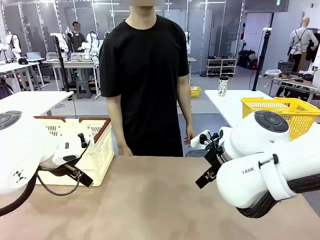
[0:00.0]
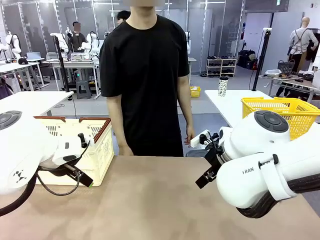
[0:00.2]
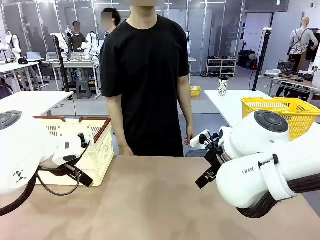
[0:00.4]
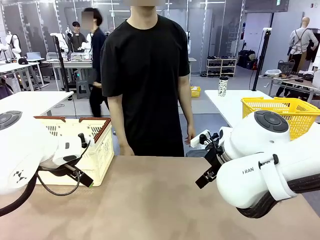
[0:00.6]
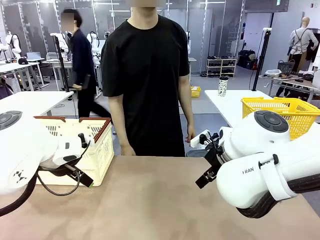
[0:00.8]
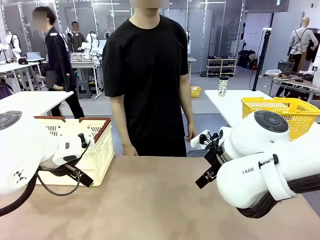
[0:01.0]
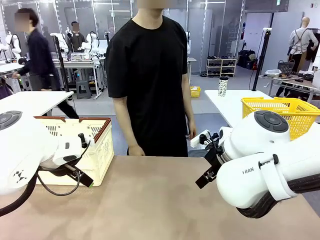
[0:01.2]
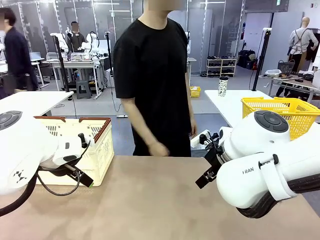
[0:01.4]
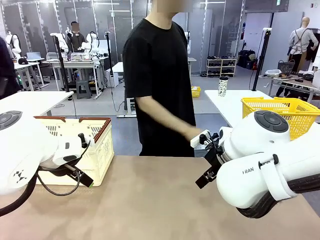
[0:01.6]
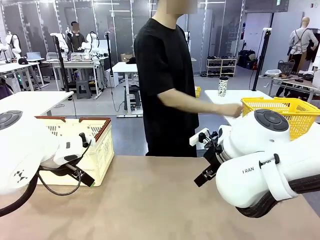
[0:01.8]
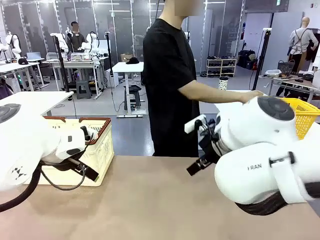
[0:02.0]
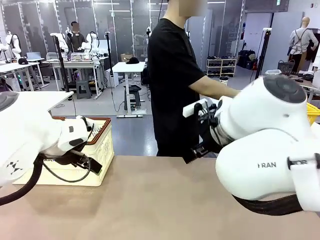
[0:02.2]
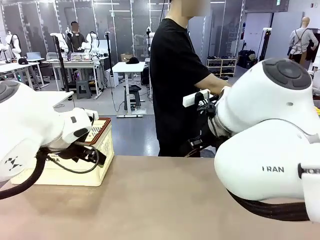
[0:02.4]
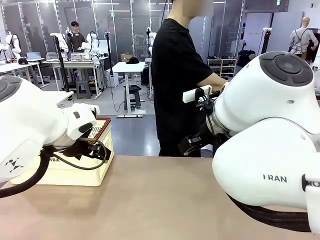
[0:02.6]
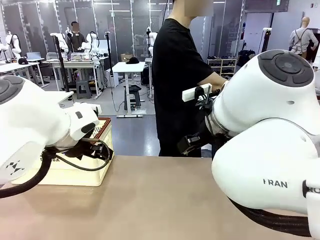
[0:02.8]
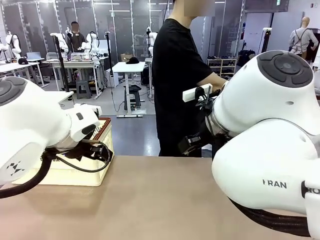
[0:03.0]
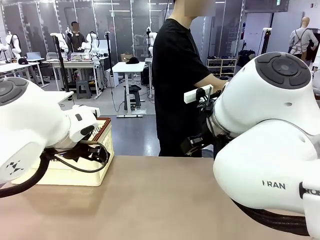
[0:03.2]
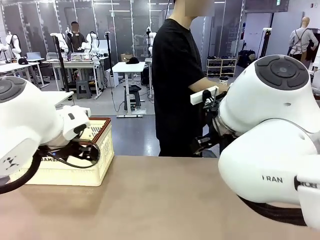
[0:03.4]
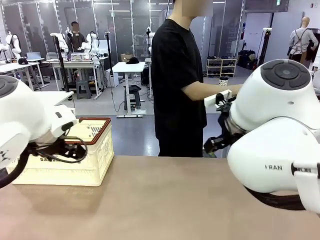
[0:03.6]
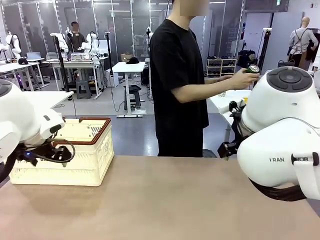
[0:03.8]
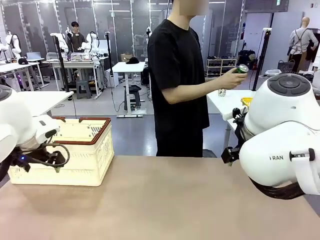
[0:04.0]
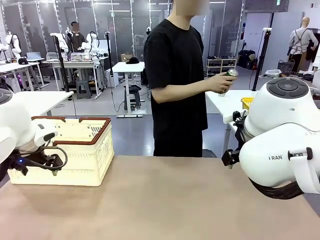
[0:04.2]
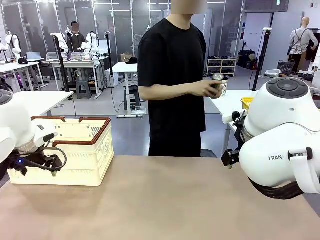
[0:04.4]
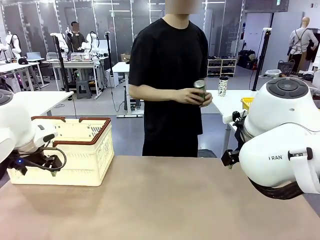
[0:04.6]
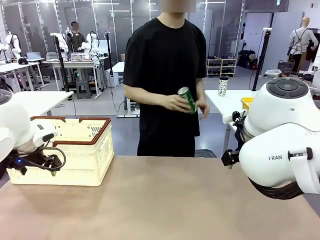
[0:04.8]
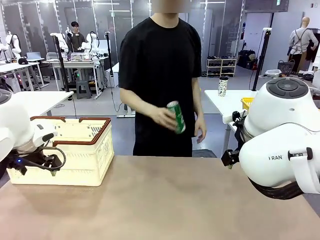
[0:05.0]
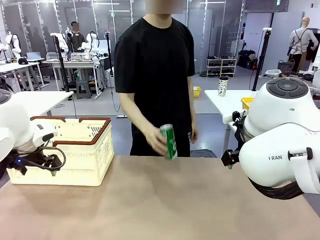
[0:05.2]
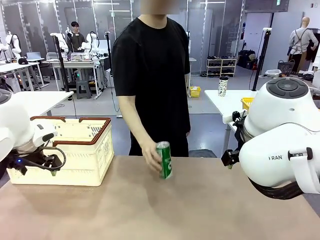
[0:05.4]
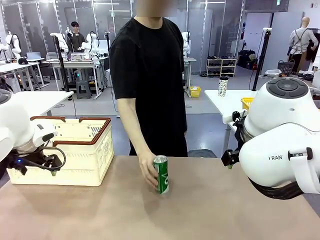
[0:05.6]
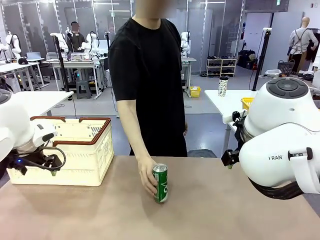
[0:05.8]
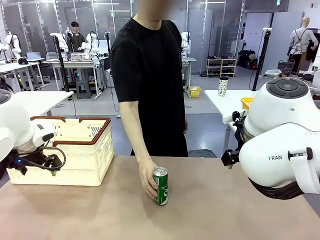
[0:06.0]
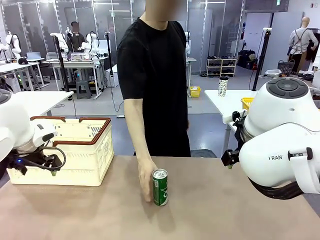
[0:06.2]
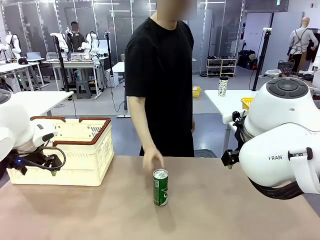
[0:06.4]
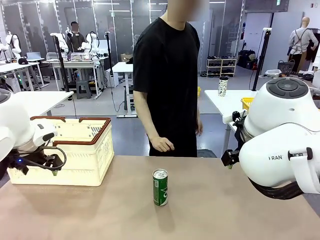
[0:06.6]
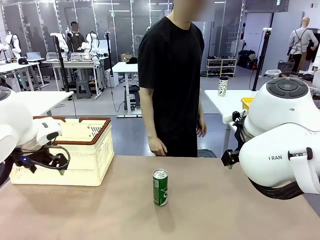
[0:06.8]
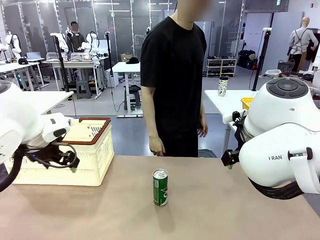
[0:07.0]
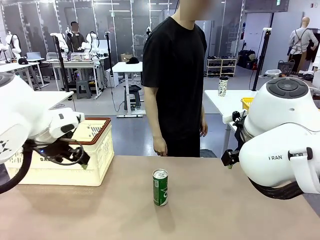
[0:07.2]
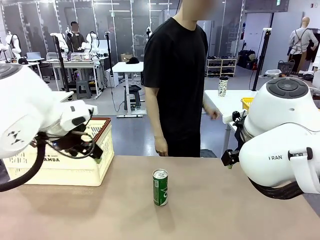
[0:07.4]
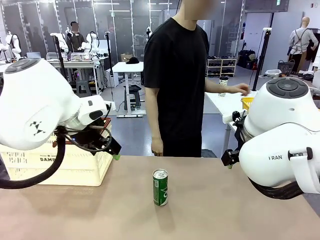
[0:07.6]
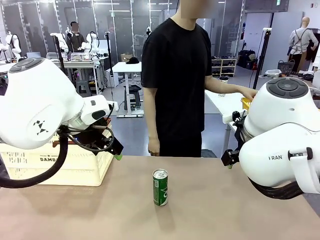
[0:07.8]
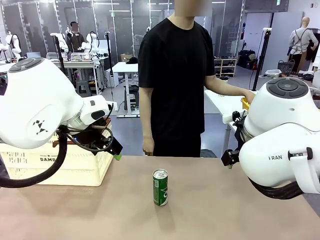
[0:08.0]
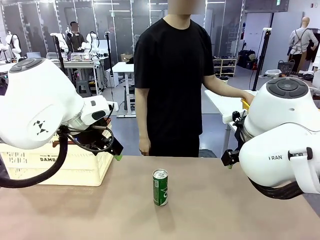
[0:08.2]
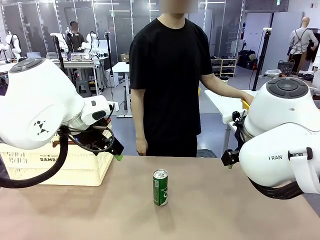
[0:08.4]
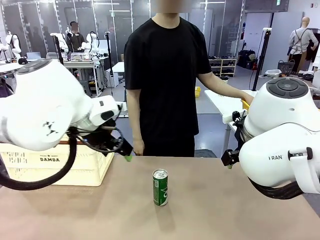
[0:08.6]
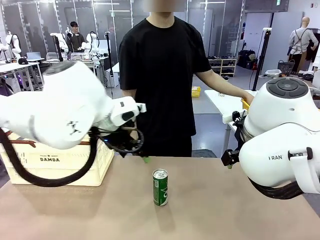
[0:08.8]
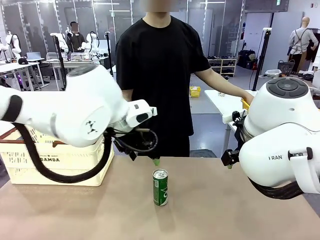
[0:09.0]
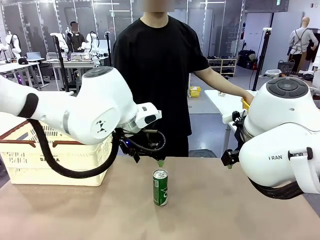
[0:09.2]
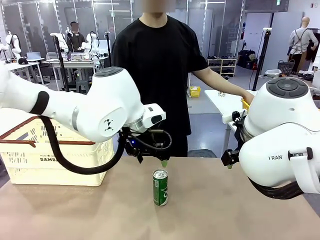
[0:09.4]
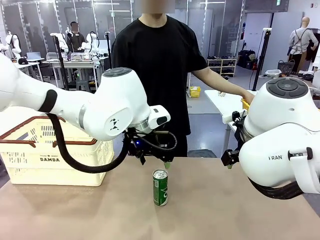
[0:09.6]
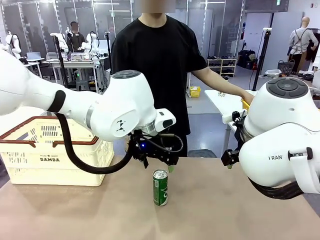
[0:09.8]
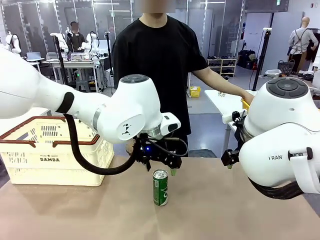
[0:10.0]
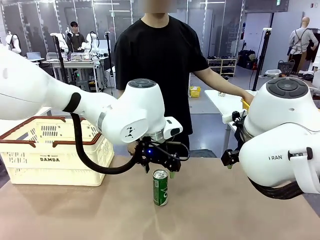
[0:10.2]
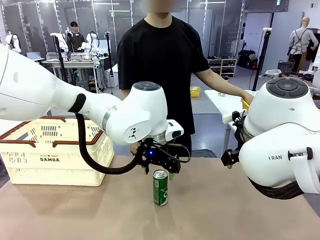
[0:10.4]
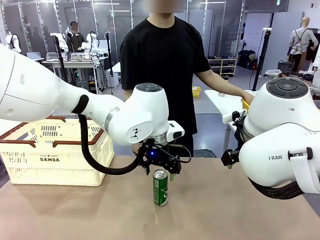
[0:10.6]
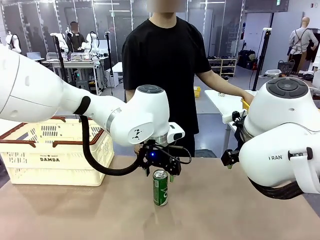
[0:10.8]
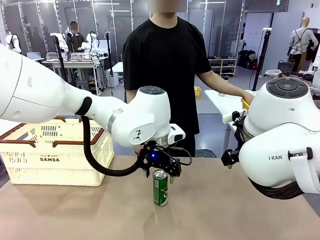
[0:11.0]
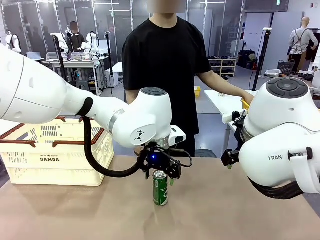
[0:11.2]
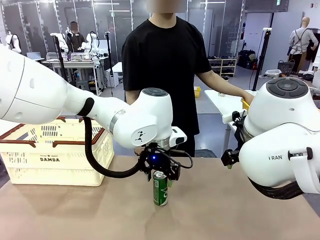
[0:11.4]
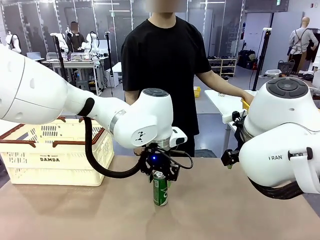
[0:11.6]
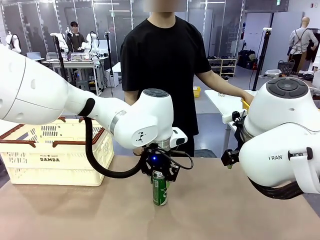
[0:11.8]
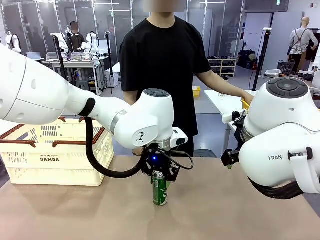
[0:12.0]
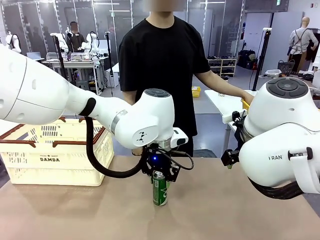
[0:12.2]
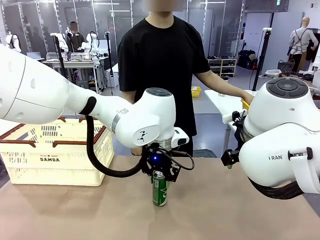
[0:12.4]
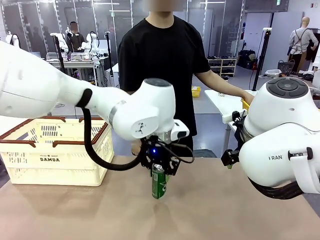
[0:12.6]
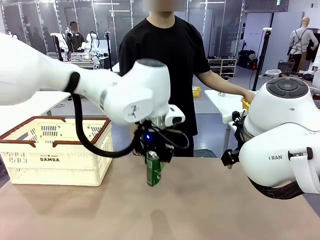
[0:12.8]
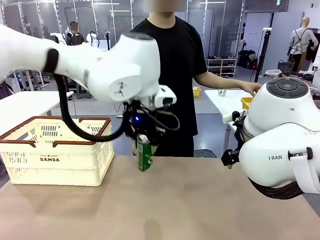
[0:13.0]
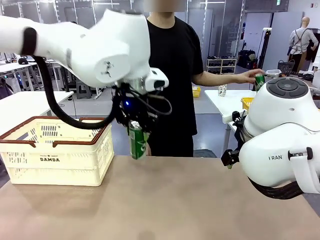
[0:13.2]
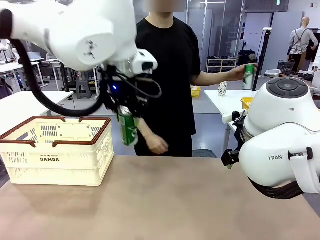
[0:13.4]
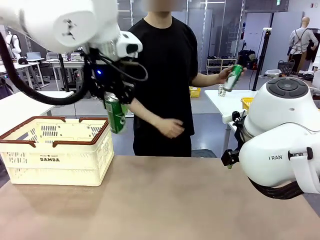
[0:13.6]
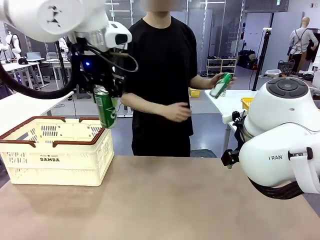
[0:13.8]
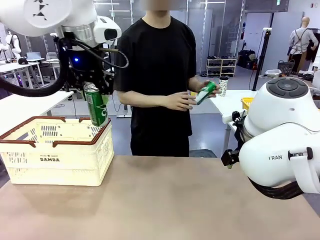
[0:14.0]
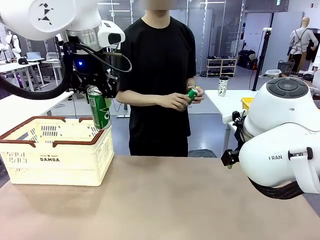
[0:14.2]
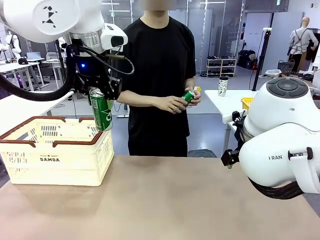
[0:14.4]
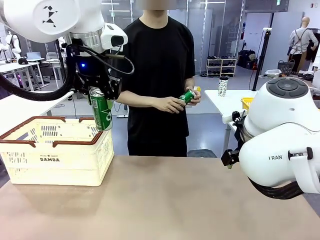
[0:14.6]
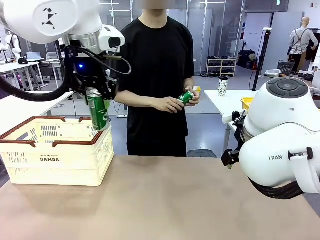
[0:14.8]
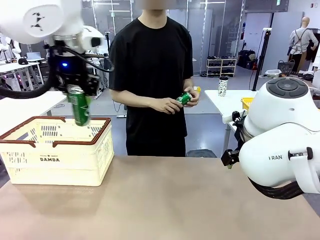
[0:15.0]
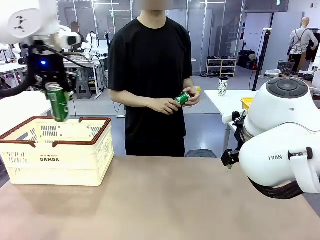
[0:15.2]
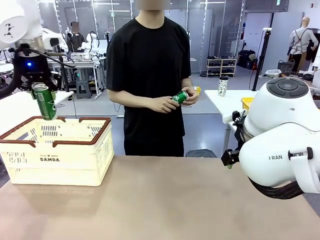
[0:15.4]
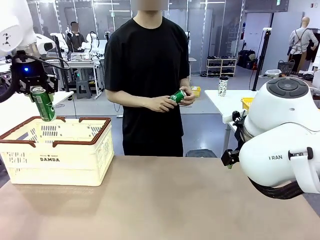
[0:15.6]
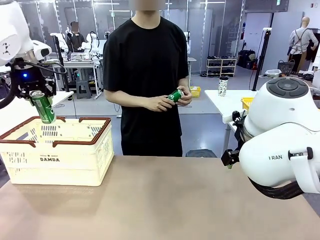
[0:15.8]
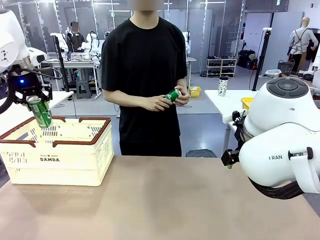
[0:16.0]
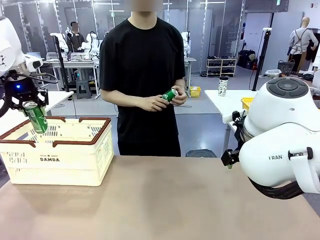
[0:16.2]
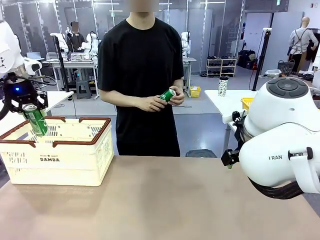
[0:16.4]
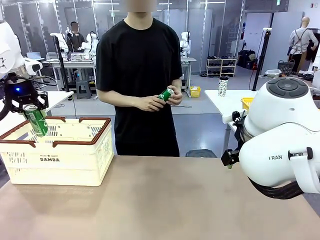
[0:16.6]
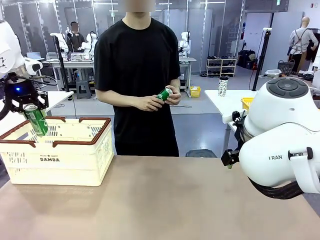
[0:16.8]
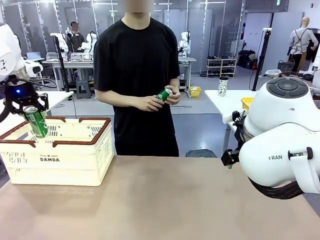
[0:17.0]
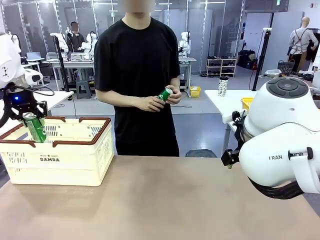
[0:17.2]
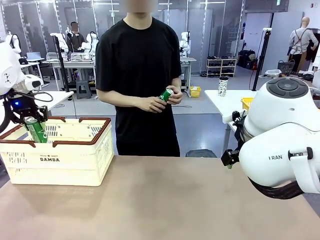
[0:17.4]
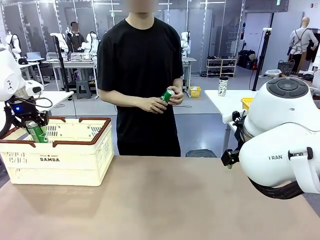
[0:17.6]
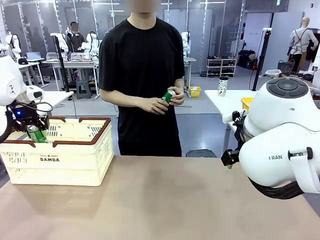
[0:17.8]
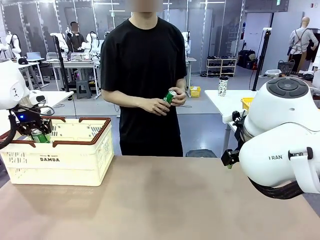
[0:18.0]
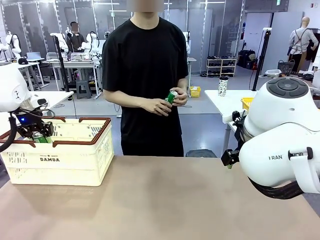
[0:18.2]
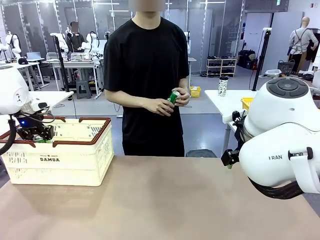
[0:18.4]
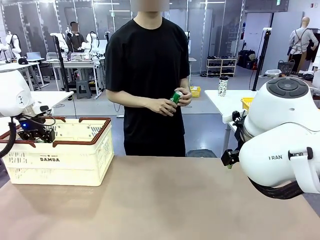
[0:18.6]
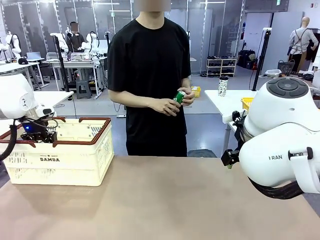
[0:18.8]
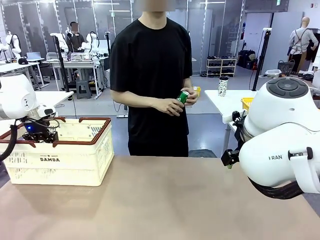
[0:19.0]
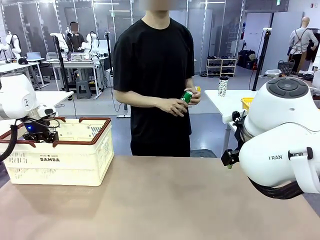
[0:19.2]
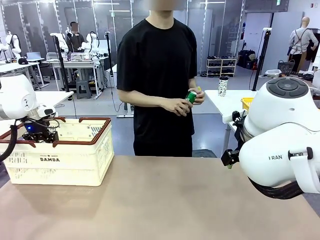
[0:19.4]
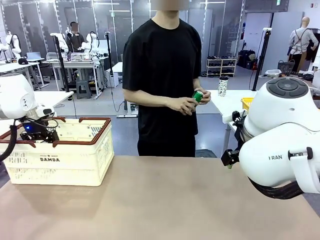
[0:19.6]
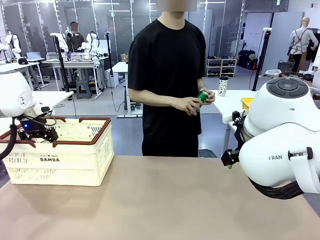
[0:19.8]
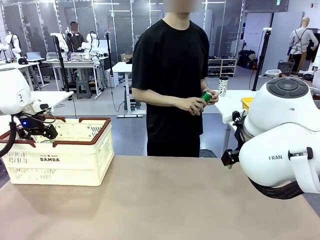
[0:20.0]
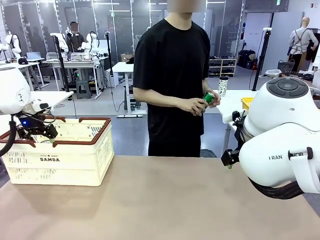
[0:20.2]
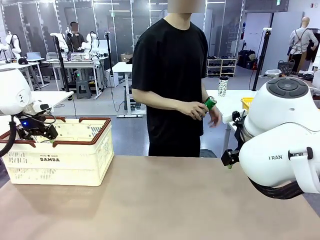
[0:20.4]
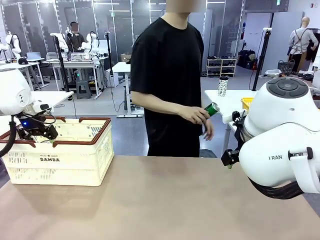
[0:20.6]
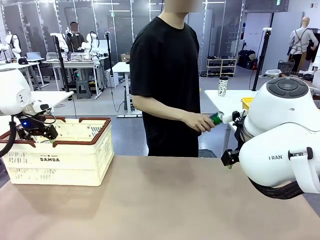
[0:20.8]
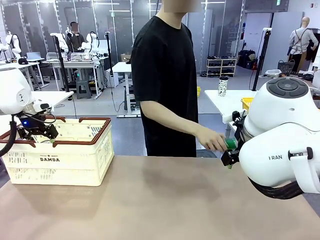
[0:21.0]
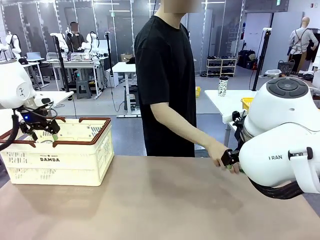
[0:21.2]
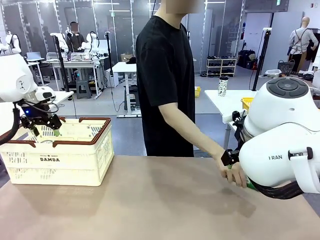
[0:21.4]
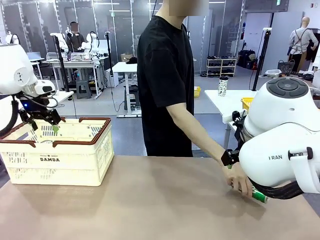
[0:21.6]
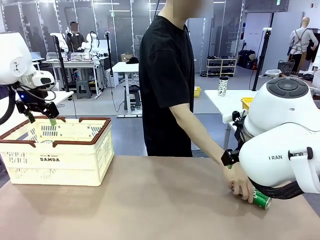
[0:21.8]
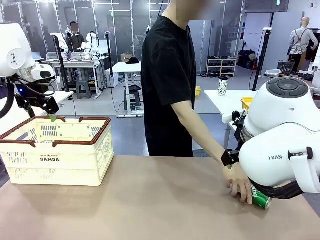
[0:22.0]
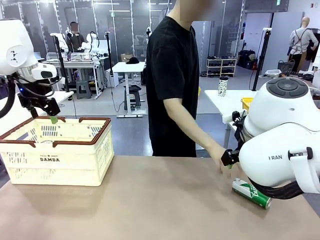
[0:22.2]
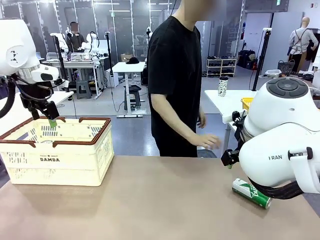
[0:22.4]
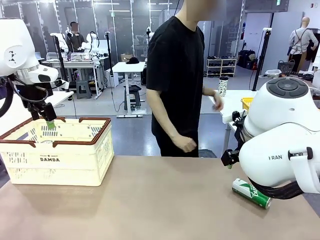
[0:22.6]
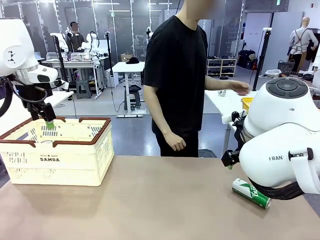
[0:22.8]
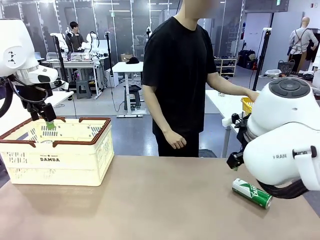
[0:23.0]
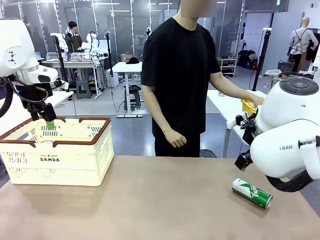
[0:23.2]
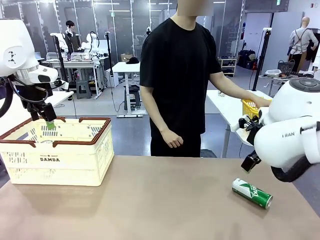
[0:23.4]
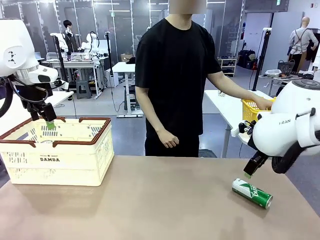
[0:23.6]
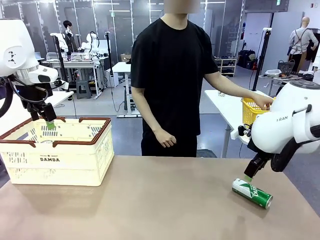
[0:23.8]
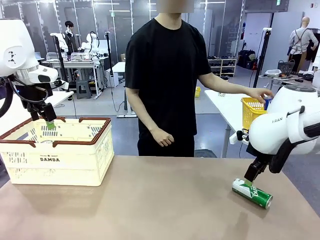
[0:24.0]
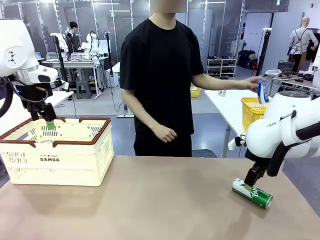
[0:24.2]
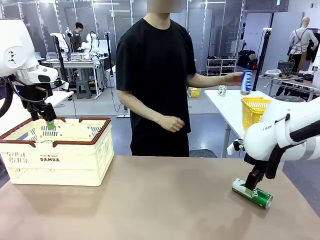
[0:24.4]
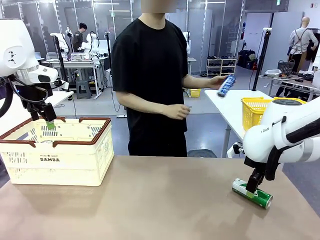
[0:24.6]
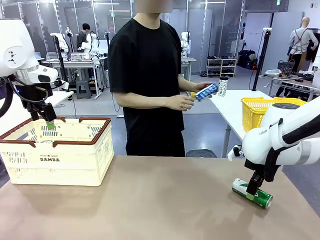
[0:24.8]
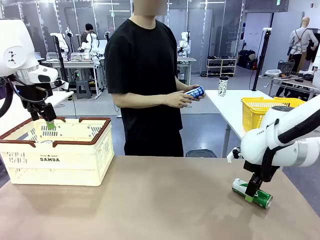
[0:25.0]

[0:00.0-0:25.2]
Task: Place the drinks into the Shopping basket.
Robot: Pick up one drink and place it into the Shopping basket.
